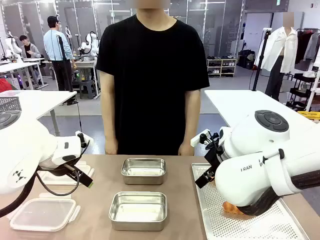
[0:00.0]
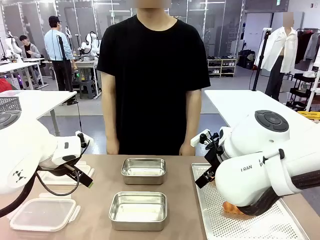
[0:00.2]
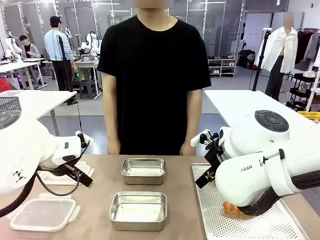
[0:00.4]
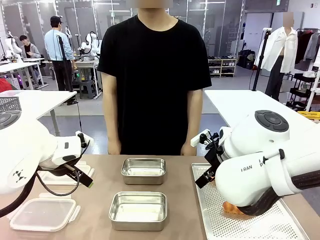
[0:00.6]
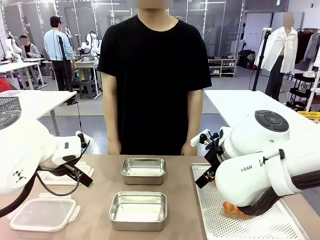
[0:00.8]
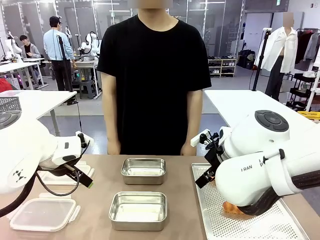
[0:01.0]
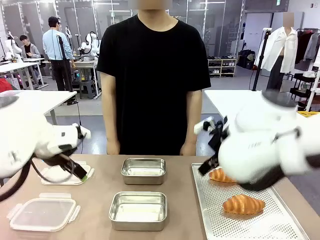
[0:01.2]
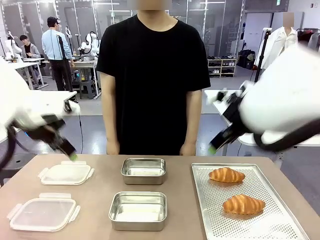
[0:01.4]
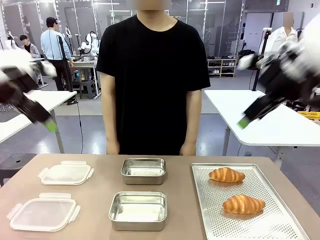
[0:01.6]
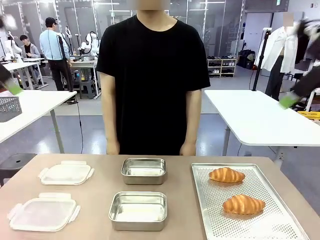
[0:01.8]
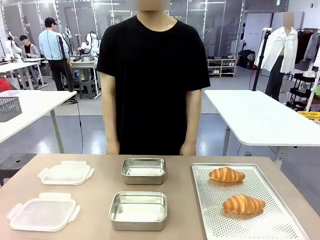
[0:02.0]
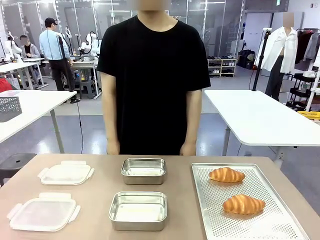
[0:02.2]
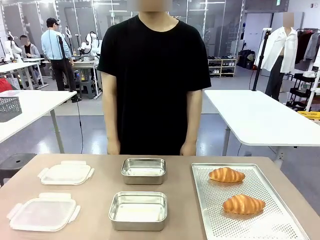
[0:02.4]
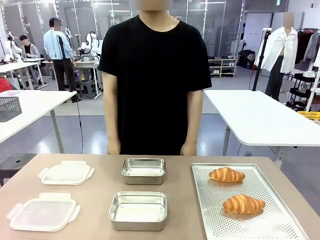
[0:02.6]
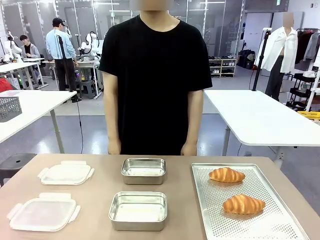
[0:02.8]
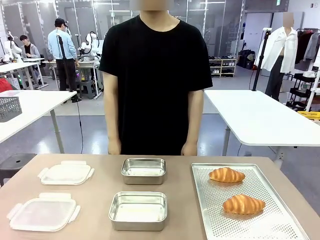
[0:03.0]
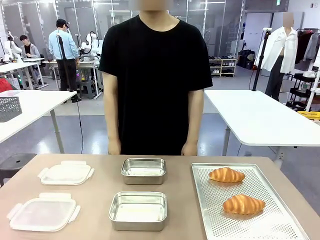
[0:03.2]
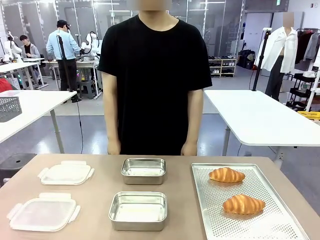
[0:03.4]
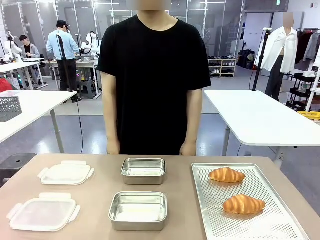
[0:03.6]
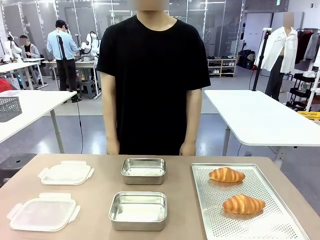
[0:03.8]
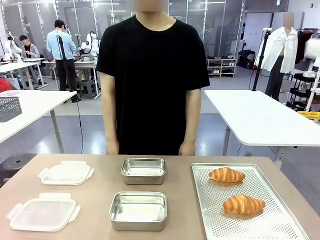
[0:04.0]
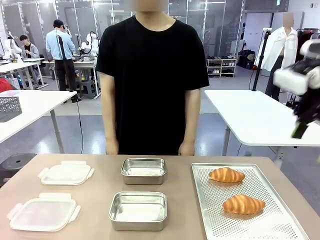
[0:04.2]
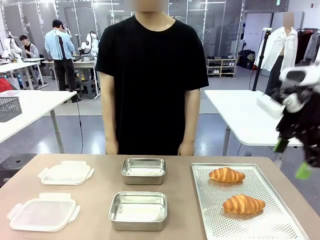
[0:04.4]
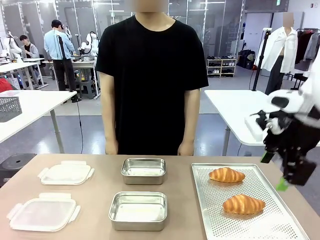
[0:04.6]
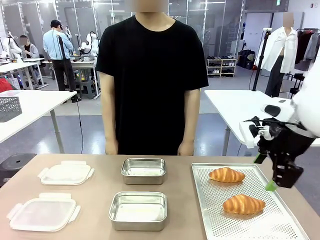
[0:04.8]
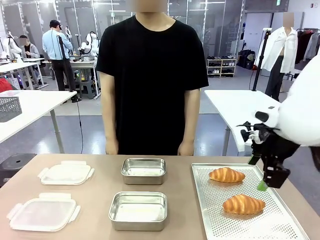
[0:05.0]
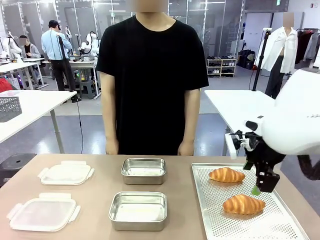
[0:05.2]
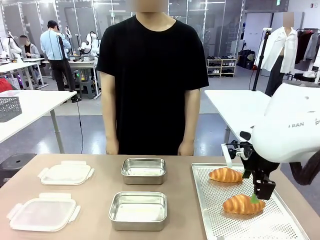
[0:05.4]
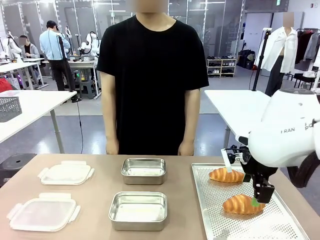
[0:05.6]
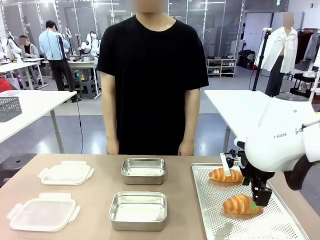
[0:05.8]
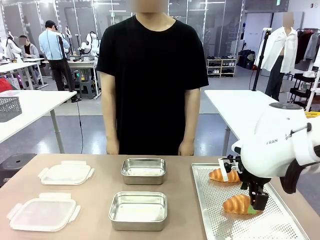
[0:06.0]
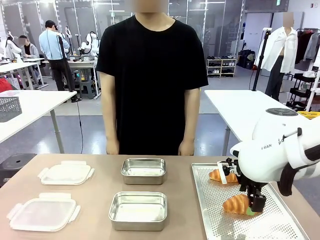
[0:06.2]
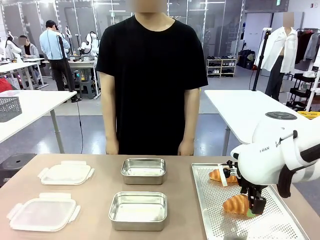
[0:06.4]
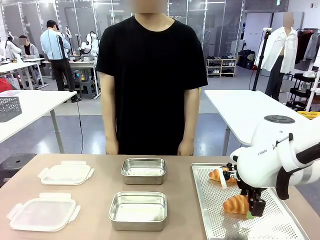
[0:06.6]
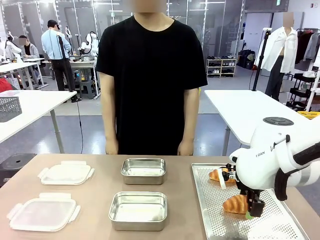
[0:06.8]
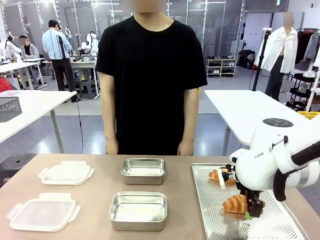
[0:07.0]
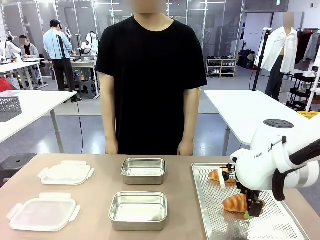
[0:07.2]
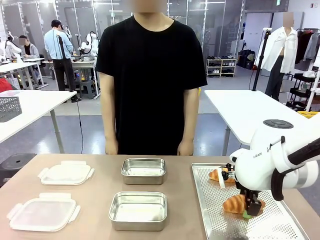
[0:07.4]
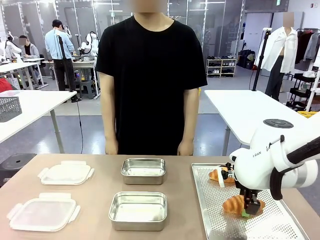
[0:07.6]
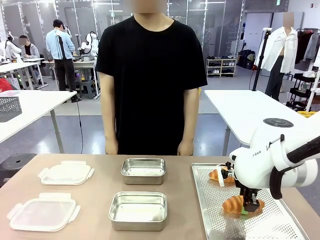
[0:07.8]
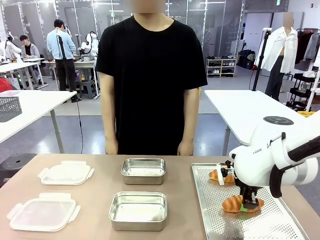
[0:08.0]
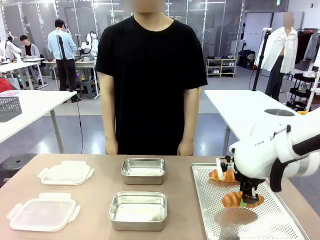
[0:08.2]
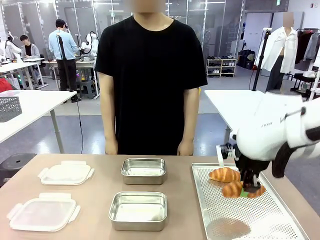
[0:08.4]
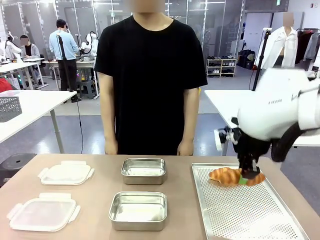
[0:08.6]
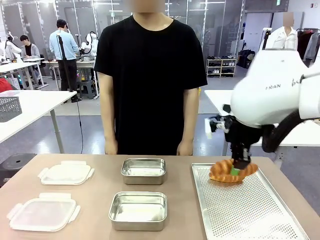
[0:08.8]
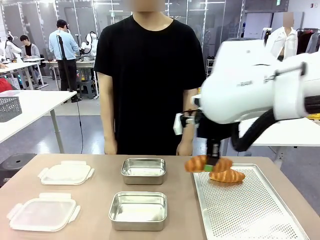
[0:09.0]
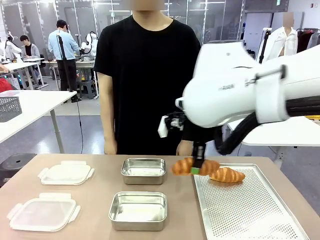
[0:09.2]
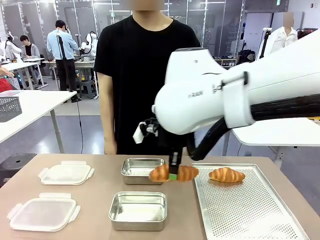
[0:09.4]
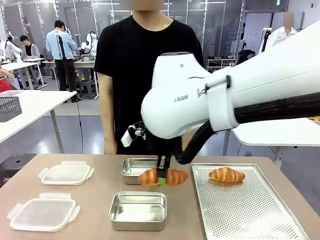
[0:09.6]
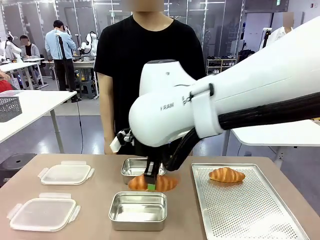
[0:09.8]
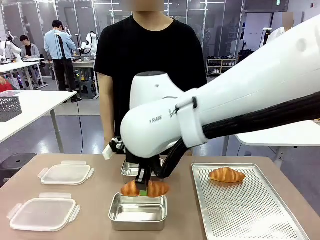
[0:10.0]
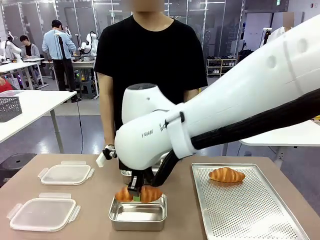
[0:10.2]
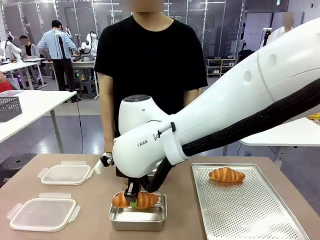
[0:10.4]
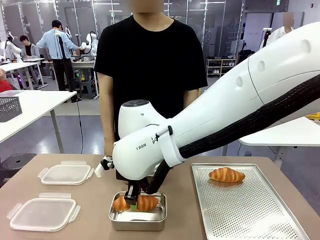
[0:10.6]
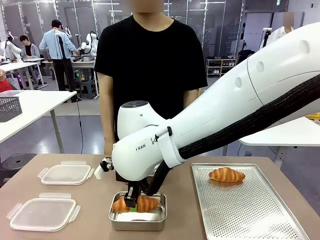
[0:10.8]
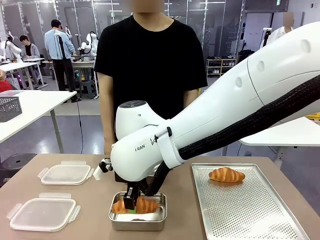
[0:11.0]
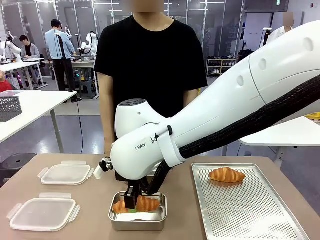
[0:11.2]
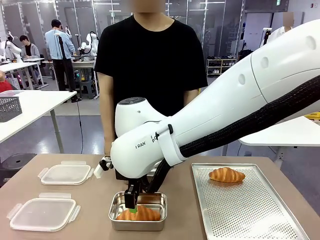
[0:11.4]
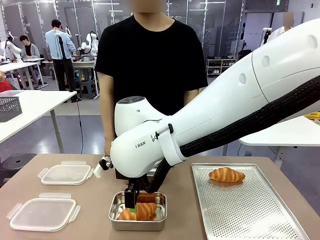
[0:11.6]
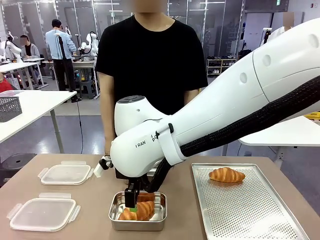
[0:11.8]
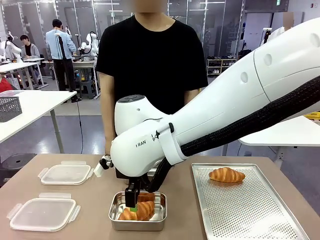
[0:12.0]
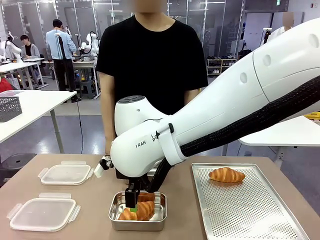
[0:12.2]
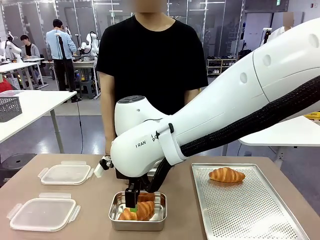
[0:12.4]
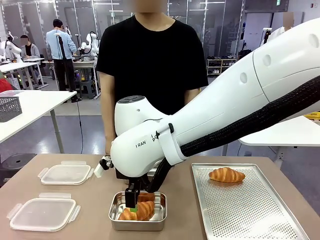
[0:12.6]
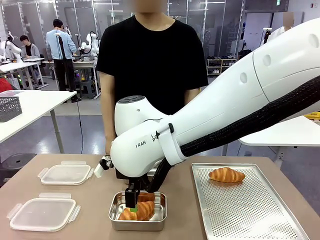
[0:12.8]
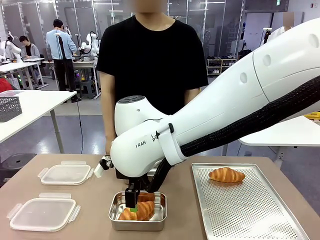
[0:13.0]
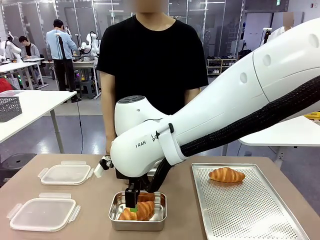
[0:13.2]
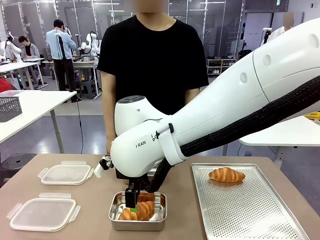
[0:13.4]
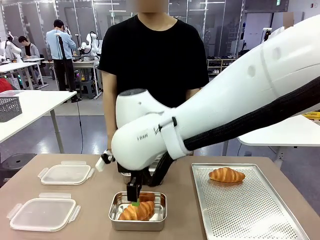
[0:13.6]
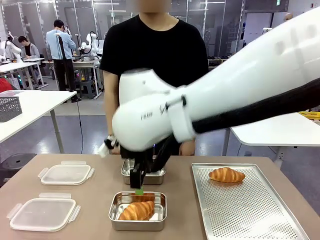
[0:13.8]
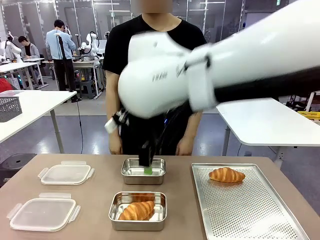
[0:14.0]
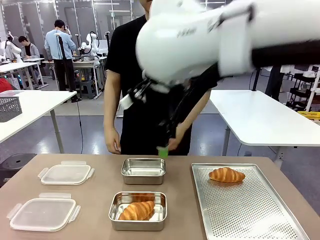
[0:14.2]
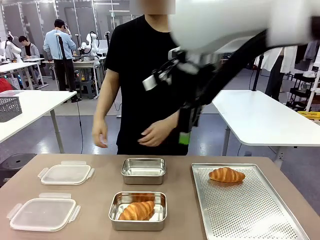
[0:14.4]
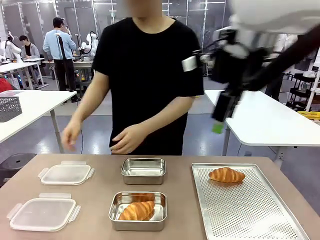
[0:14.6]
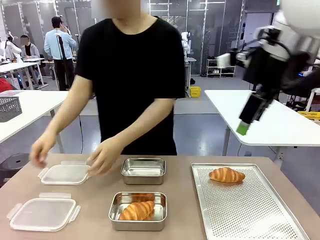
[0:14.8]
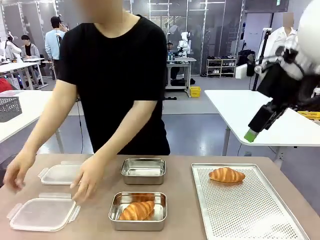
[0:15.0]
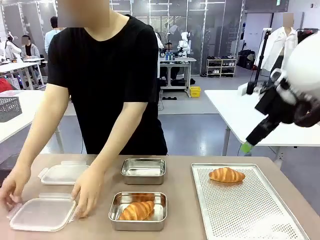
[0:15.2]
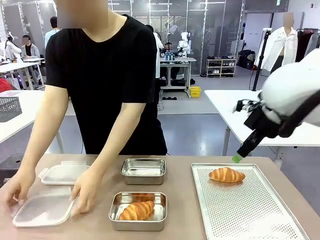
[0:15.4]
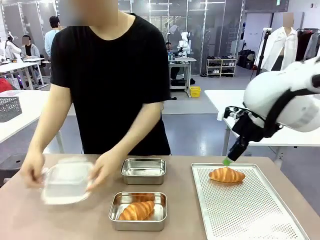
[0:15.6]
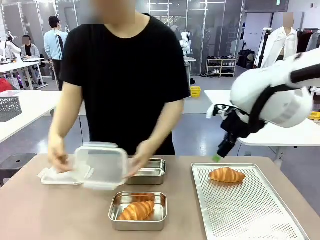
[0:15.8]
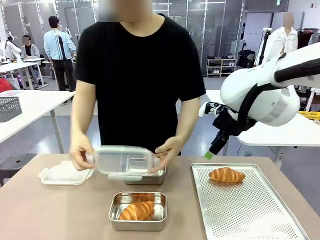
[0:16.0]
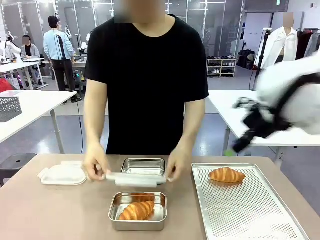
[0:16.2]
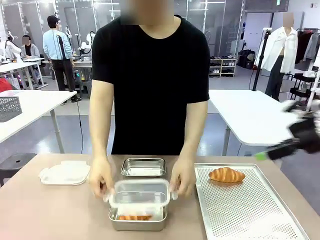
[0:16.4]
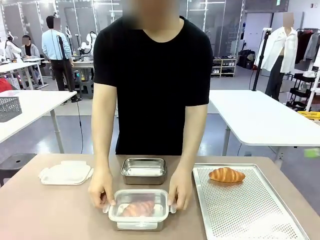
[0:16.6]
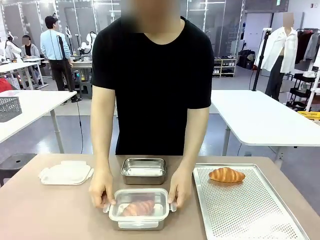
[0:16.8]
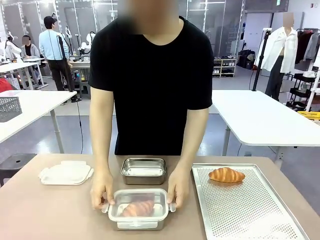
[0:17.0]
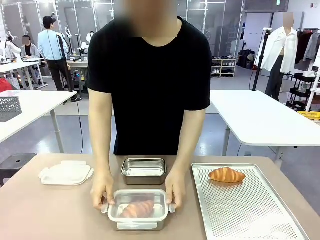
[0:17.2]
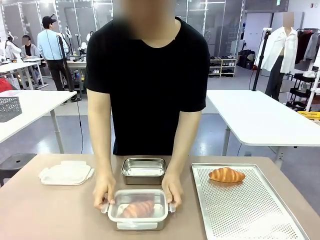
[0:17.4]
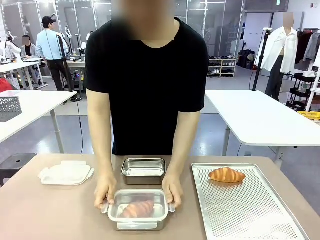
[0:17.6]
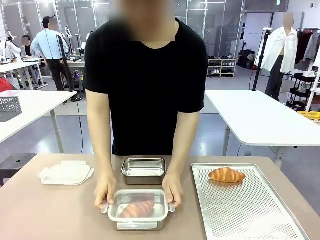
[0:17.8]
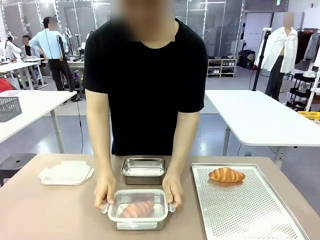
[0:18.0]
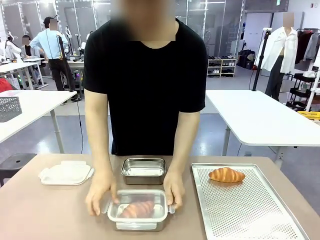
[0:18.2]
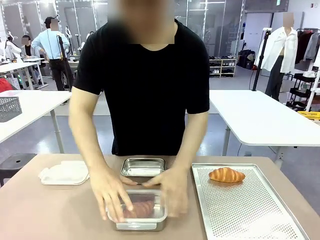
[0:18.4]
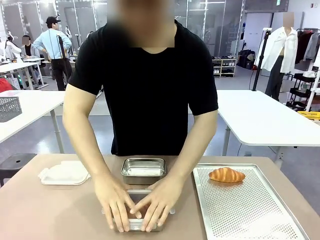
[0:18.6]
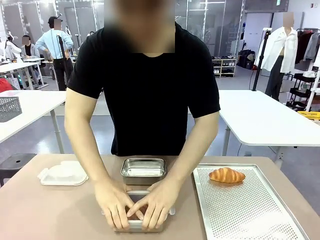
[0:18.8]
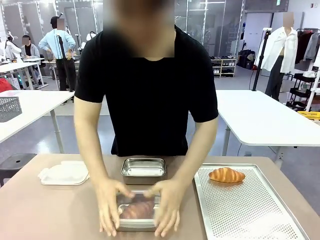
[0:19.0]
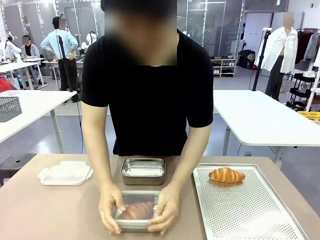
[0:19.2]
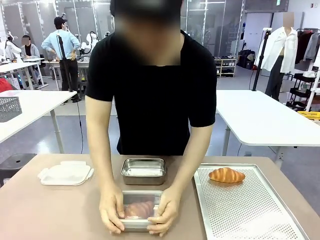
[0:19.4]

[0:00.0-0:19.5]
Task: Place the bread into the airtight container.
Robot: Pick up a Butter Roll and place it into an empty Airtight Container.
